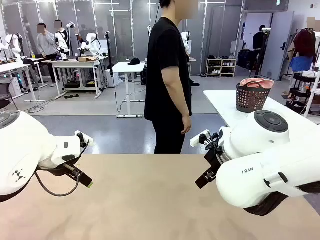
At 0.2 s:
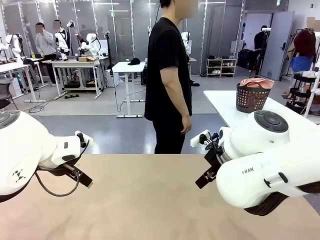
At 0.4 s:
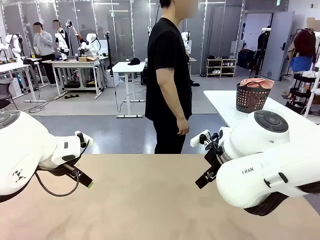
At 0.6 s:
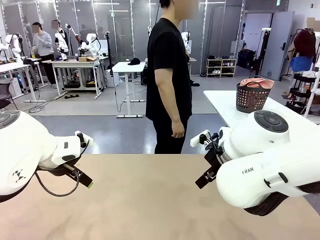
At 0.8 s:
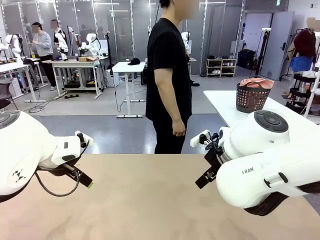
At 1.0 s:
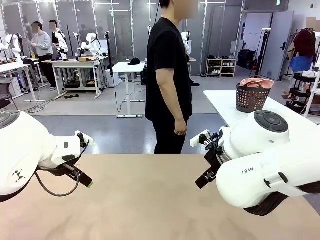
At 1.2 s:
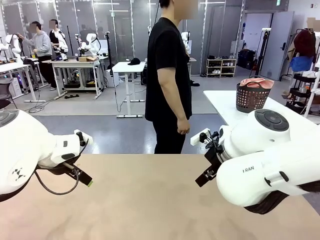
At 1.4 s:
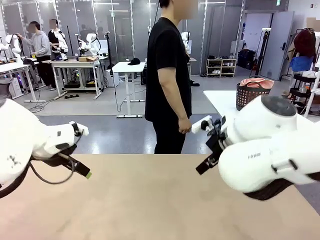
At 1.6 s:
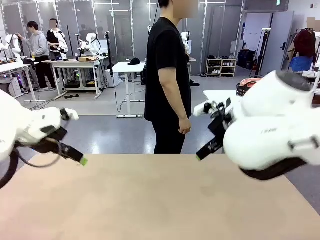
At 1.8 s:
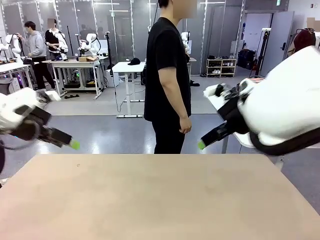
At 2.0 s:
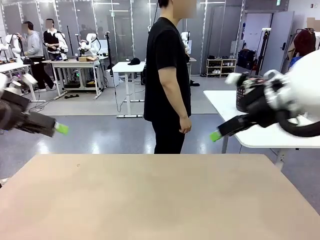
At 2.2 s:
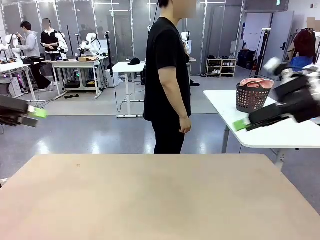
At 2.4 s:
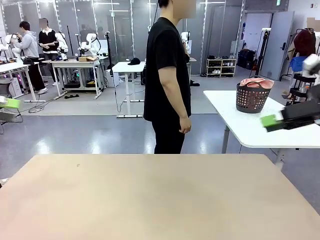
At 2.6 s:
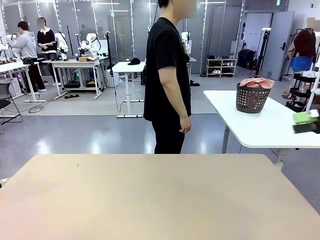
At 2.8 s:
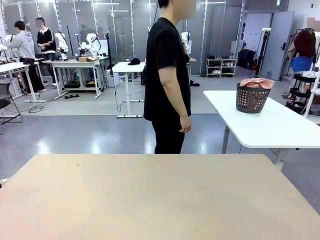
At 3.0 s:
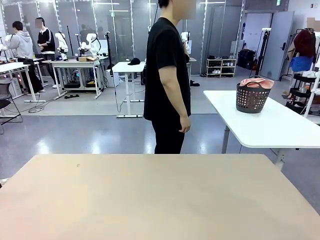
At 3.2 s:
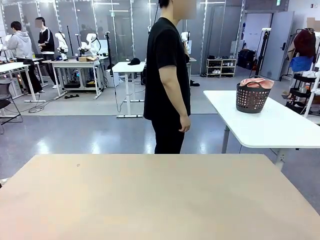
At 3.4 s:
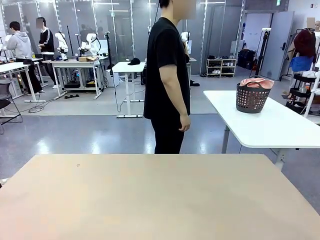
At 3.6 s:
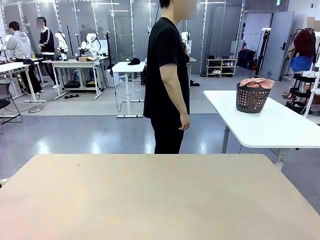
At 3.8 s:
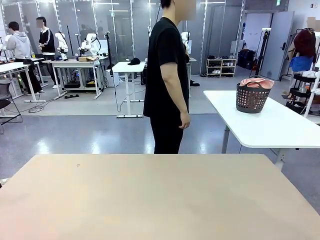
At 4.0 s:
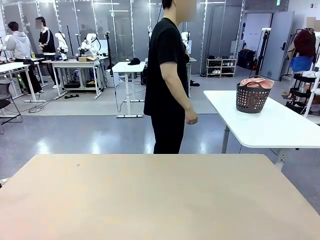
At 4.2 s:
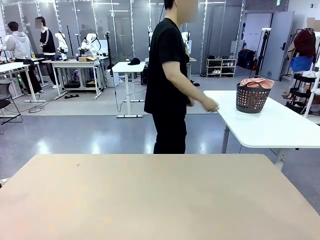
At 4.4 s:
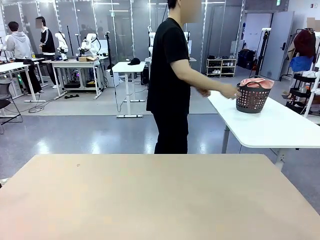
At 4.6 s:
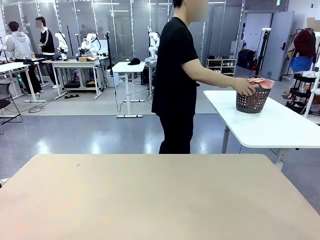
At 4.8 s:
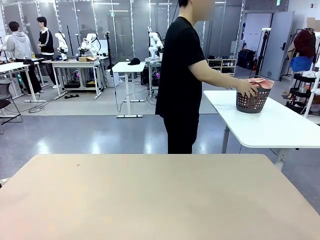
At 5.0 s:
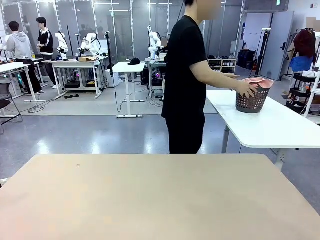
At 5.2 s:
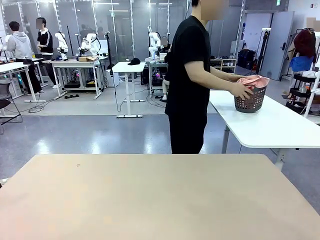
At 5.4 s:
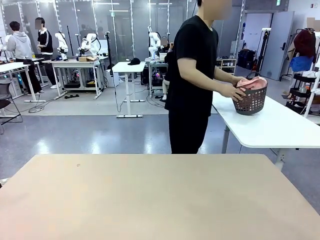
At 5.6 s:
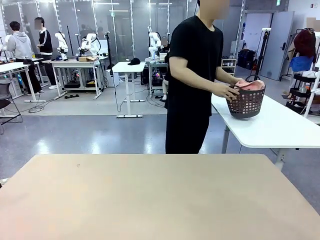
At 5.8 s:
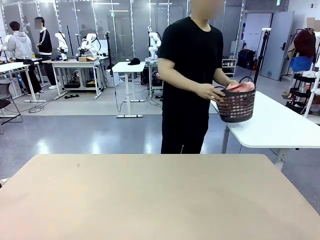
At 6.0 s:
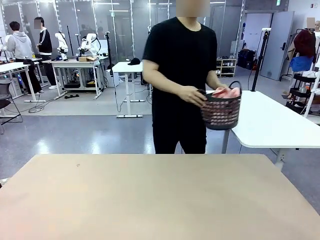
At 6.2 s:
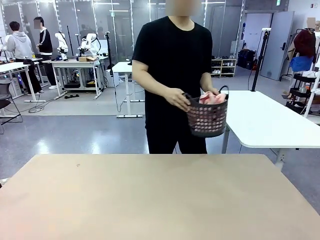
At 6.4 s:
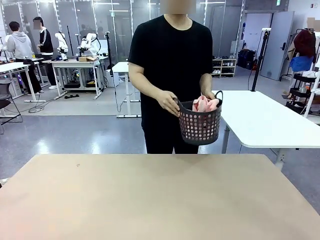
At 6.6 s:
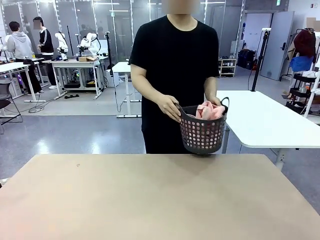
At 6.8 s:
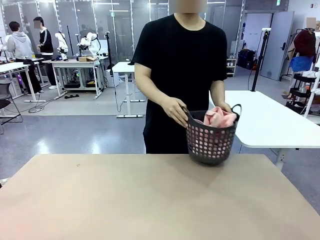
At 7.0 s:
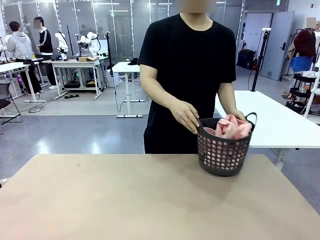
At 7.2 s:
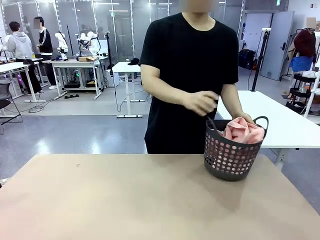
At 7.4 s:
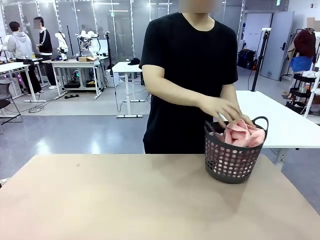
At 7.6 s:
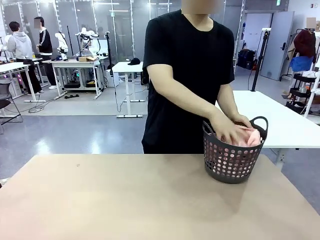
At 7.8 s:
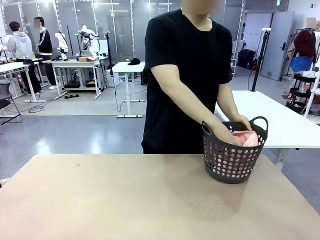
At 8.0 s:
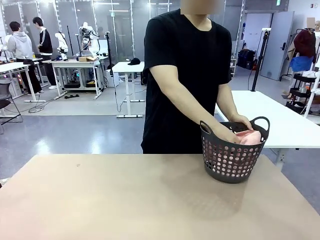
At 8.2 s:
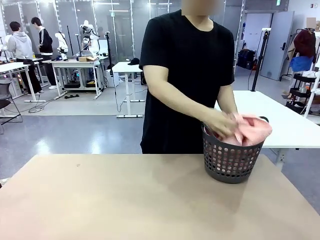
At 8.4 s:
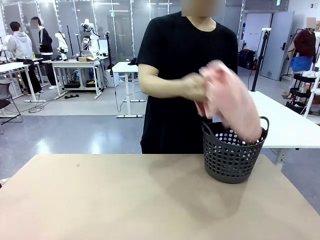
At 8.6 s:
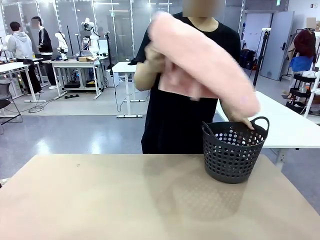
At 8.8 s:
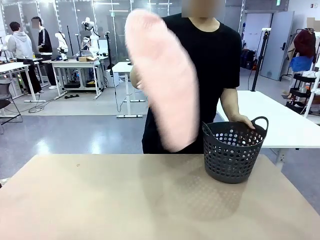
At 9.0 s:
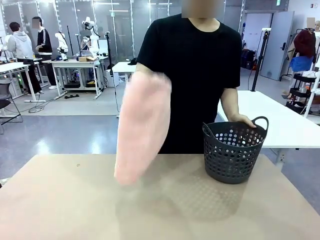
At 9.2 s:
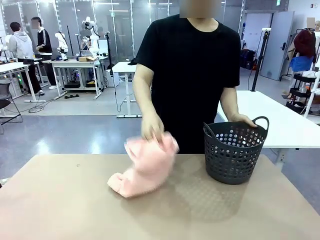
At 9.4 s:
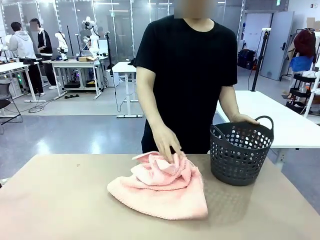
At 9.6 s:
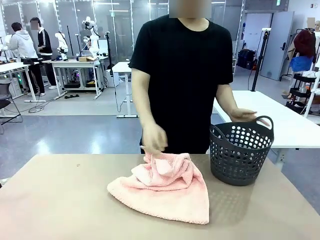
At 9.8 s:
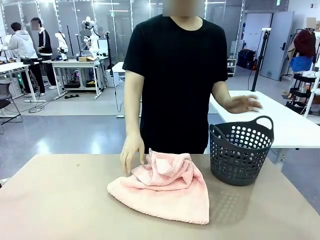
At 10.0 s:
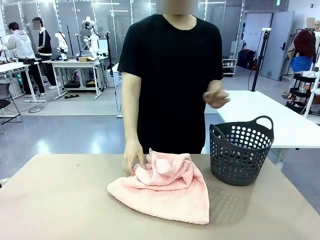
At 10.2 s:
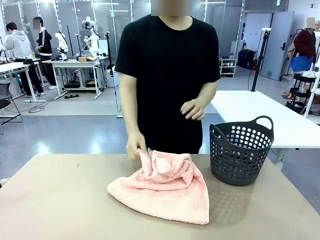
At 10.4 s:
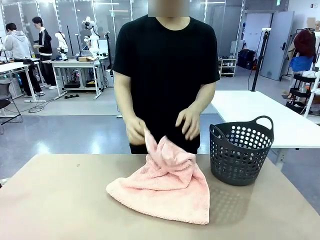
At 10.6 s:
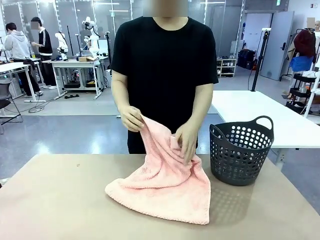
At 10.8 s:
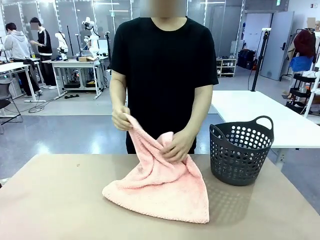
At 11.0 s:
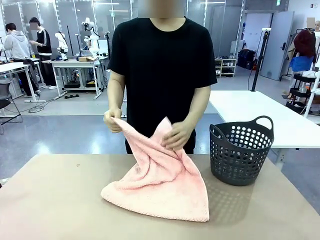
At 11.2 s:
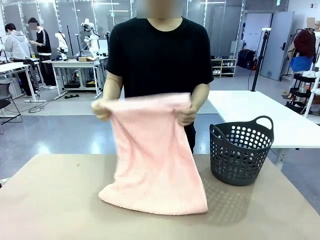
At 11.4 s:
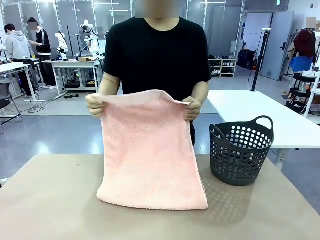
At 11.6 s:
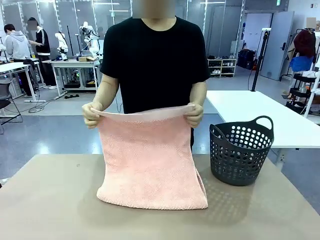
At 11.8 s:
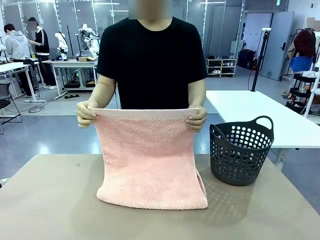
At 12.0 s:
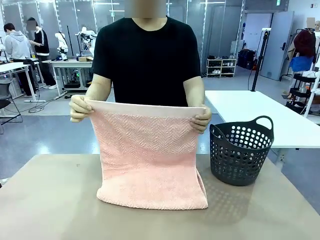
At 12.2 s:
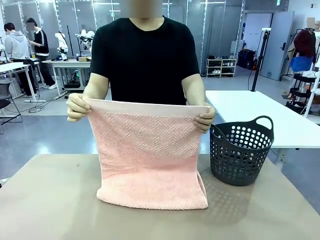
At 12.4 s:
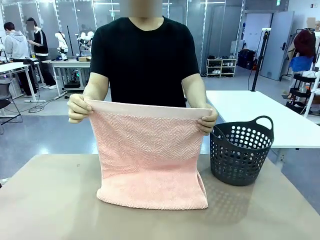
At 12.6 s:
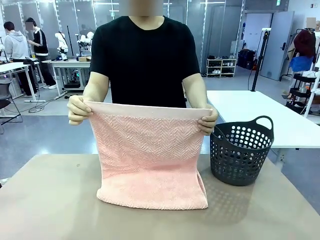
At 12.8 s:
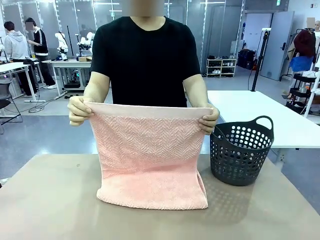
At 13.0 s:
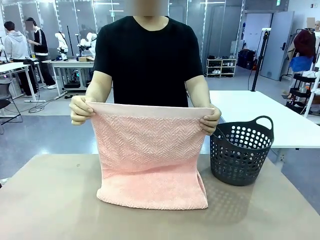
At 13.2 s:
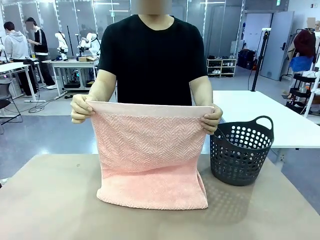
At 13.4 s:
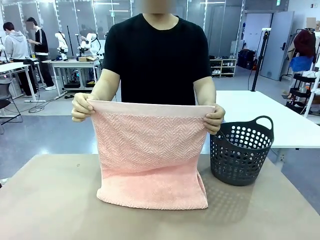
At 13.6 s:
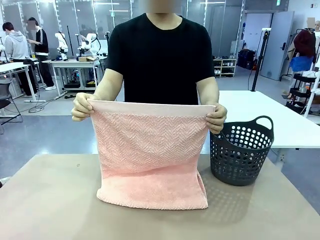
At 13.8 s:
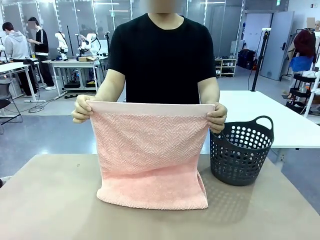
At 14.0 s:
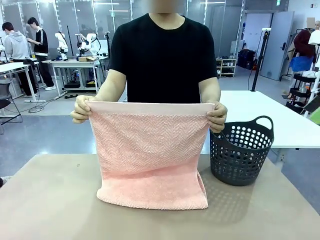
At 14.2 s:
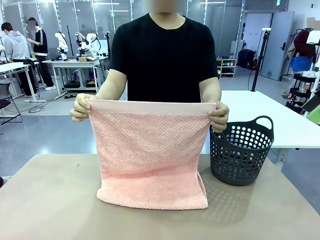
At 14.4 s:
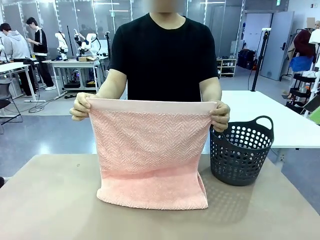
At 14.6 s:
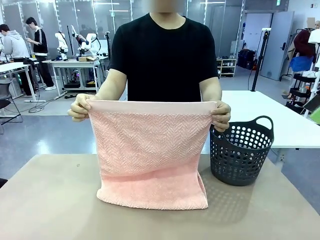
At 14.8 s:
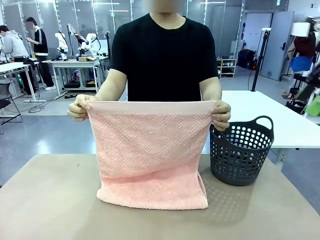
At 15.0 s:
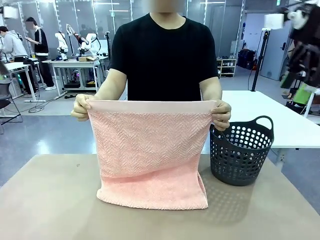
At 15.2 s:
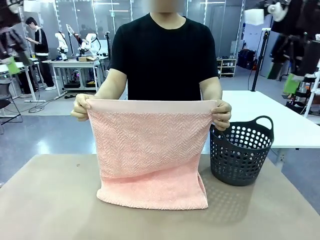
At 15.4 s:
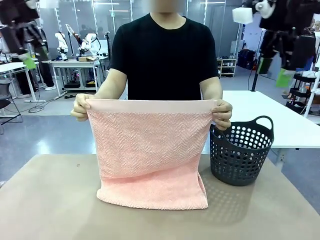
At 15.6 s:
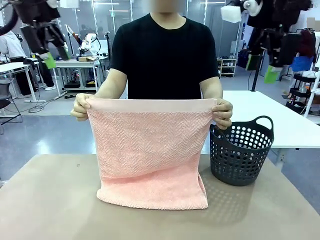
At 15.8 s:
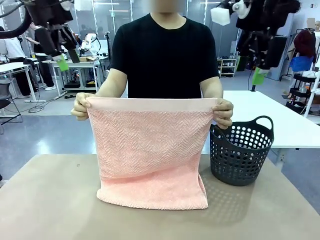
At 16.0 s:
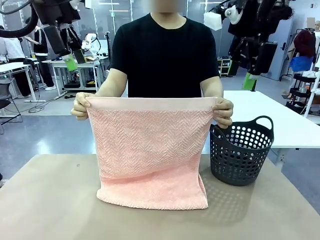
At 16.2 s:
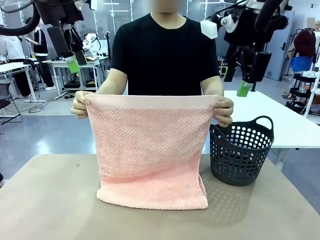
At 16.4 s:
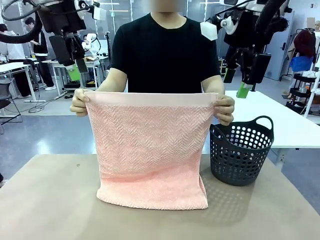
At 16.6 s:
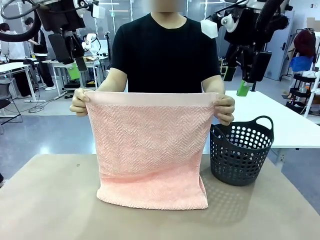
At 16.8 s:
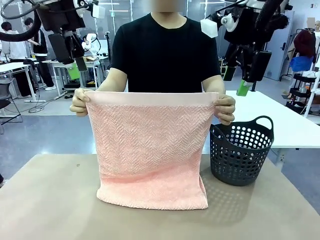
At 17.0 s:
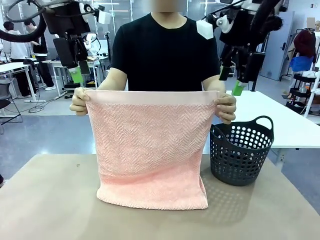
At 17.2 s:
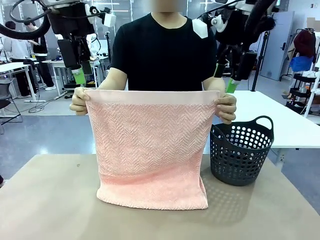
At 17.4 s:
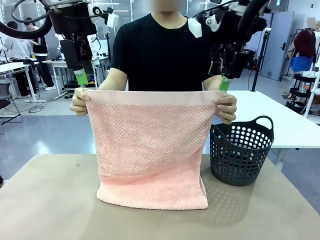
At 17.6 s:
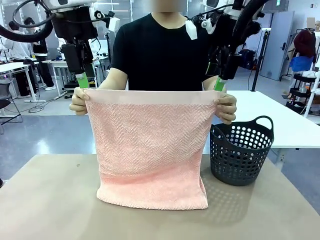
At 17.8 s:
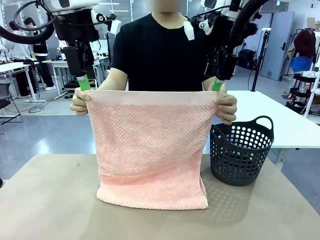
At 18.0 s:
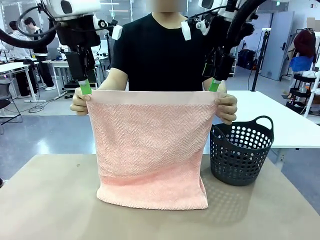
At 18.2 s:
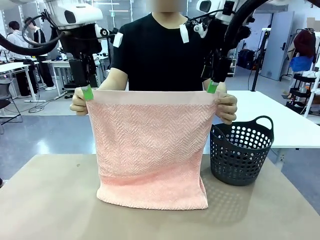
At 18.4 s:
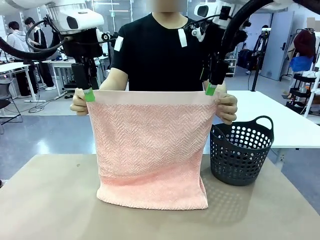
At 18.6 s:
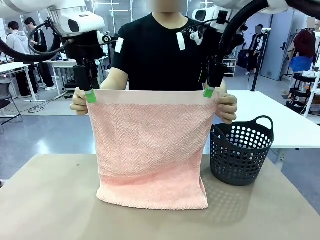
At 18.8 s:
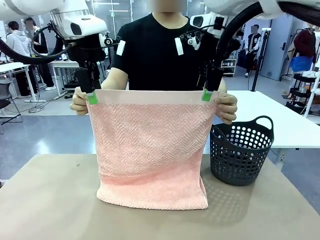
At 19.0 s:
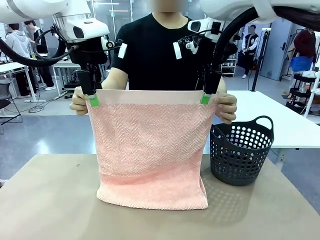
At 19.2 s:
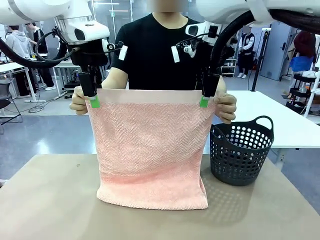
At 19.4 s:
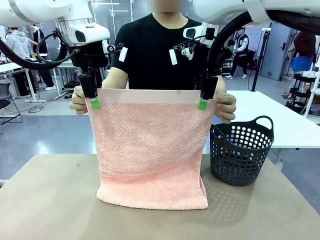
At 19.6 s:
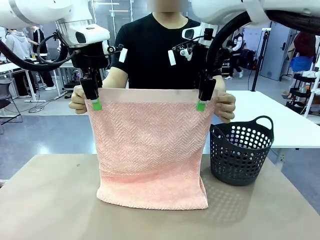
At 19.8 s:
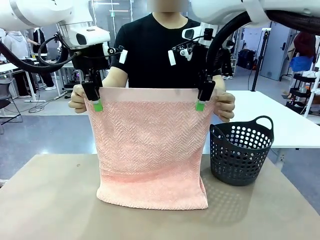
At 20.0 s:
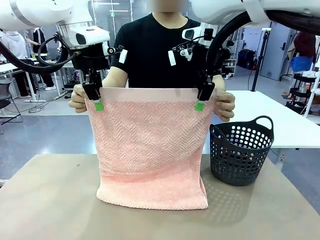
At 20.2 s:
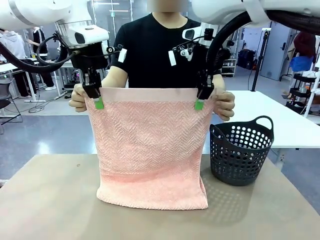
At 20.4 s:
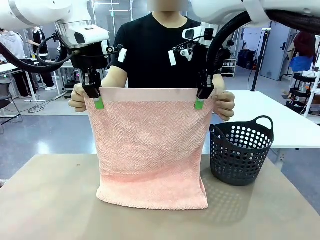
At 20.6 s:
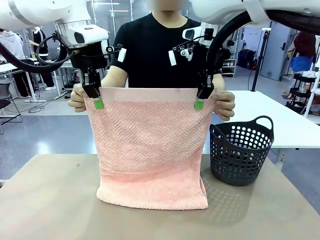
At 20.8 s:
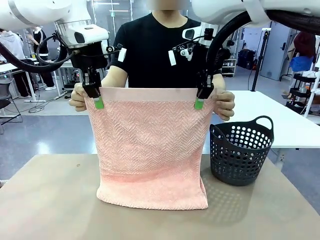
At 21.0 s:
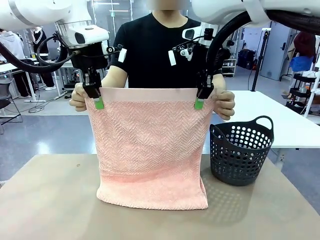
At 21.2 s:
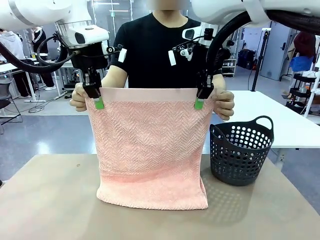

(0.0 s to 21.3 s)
Task: Fold the towel.
Robot: Grab the top end of the 100 cm Hotel Towel extended by the human.
Person: Pick up the laundry basket, place it on the left side of the robot table, then take out a towel and hand it to the robot while holding both corners of one end.
